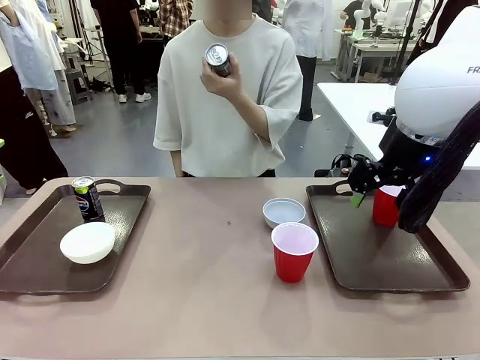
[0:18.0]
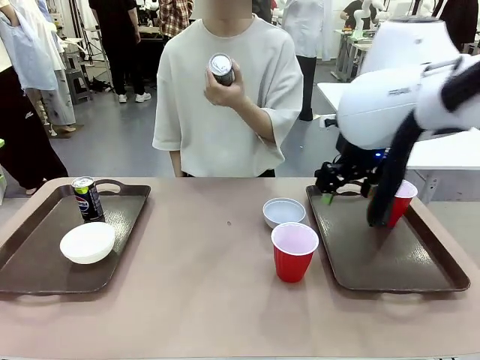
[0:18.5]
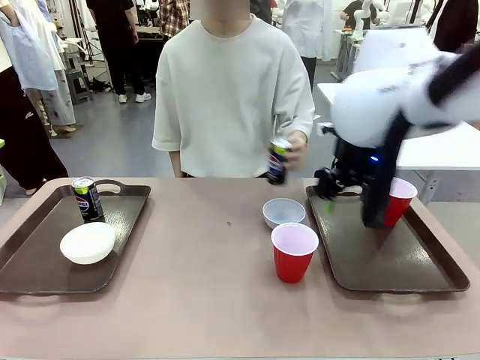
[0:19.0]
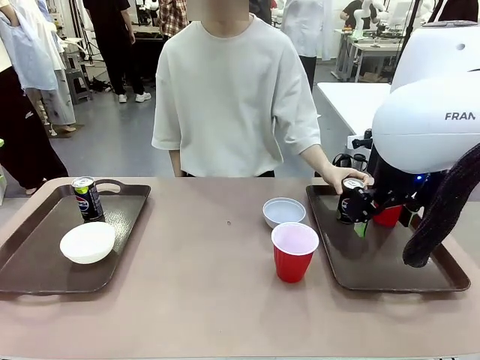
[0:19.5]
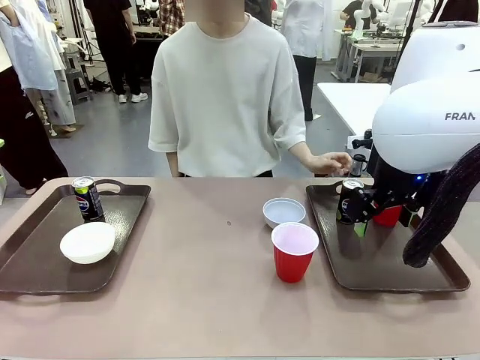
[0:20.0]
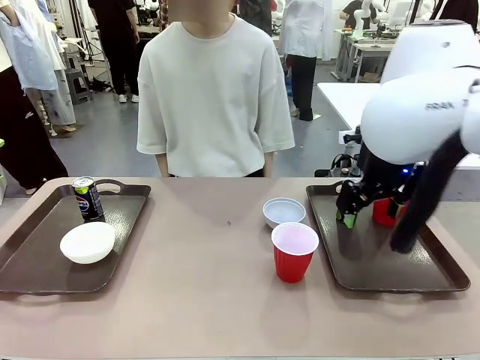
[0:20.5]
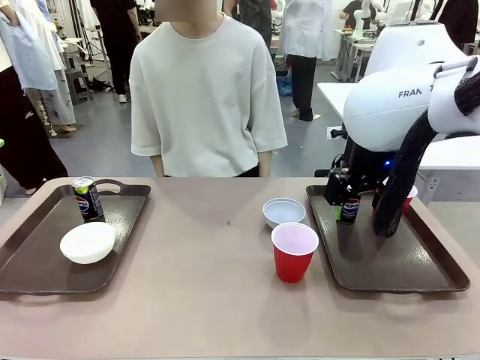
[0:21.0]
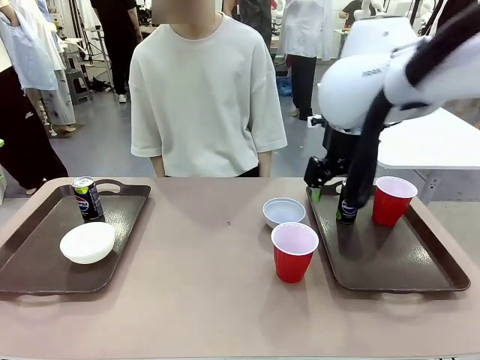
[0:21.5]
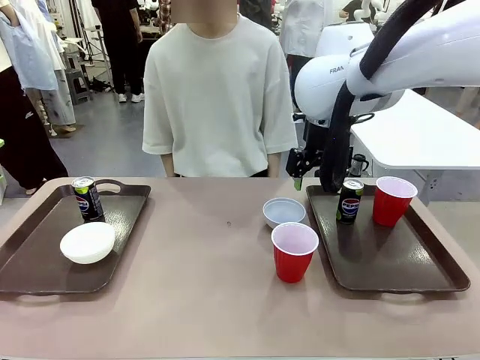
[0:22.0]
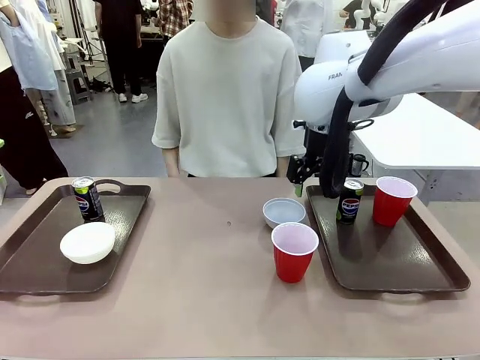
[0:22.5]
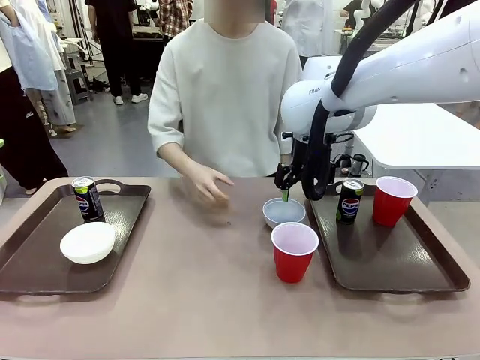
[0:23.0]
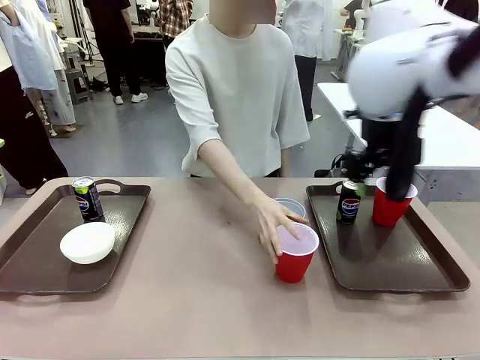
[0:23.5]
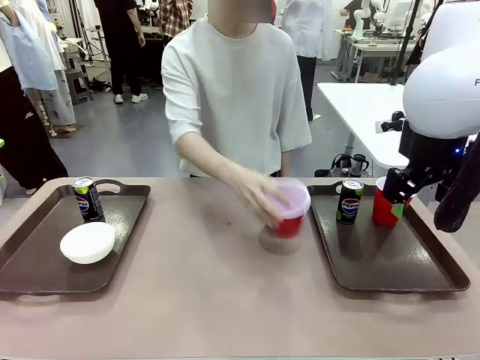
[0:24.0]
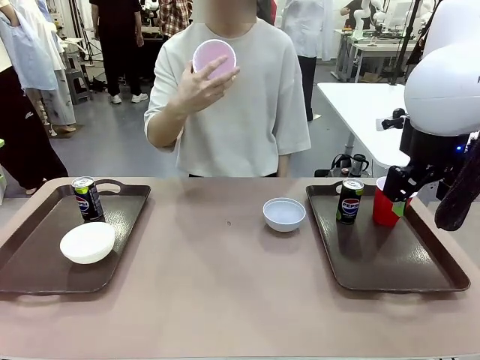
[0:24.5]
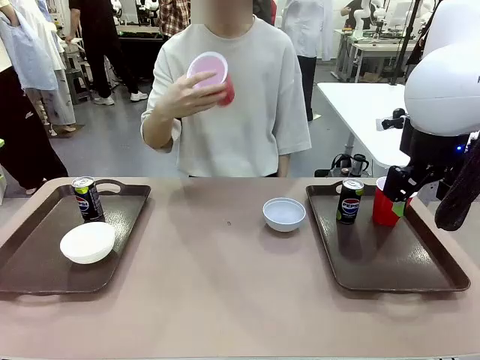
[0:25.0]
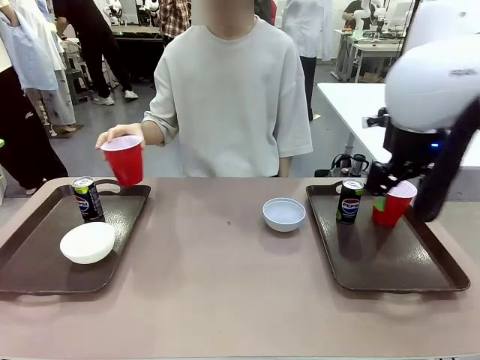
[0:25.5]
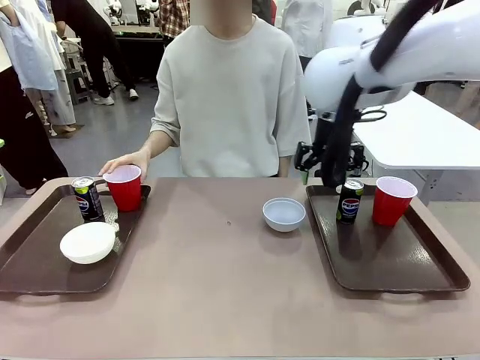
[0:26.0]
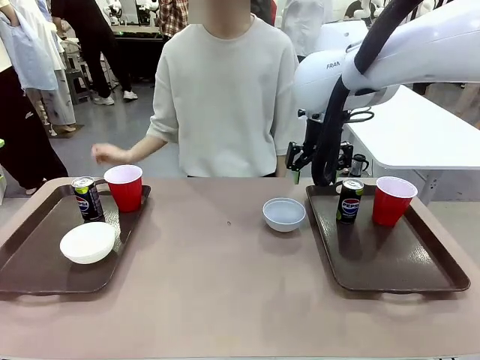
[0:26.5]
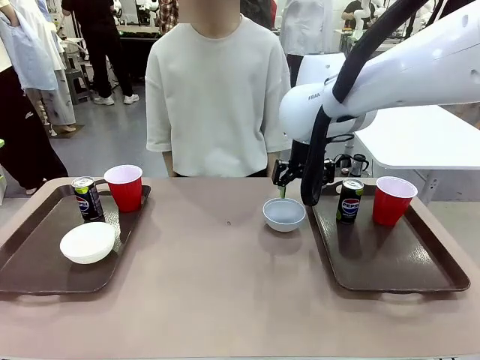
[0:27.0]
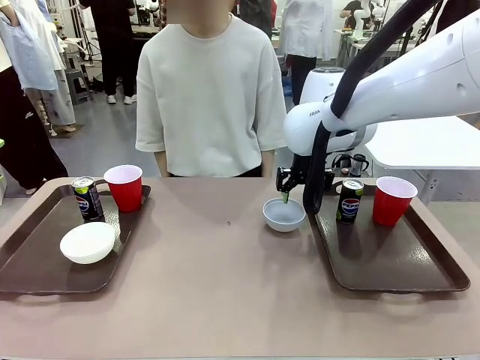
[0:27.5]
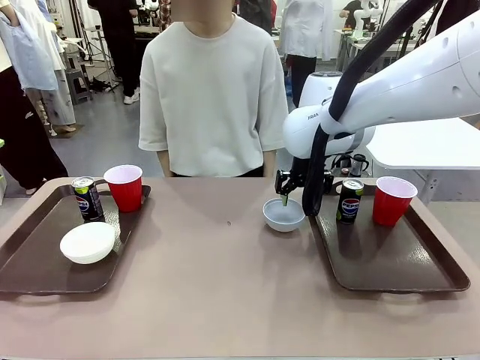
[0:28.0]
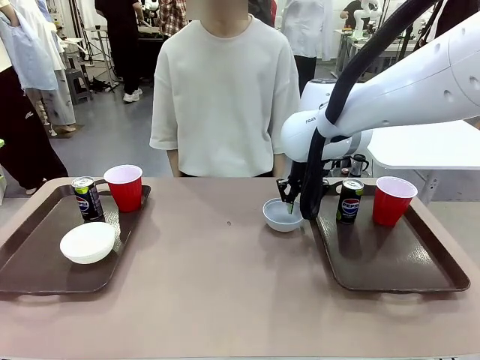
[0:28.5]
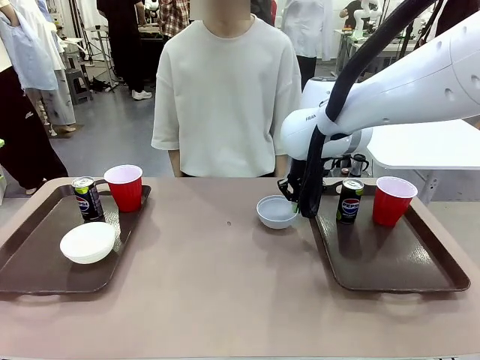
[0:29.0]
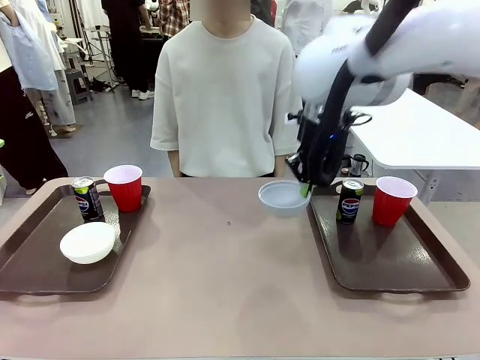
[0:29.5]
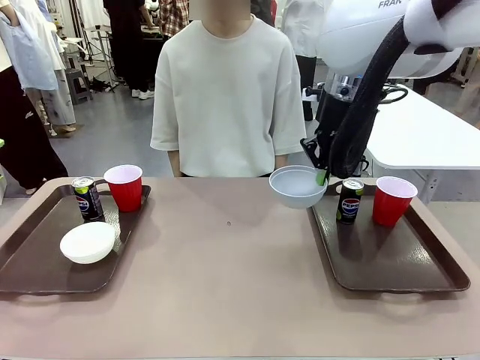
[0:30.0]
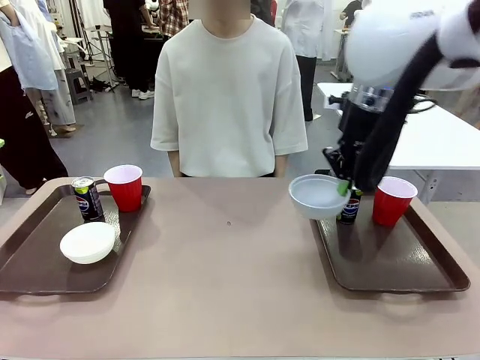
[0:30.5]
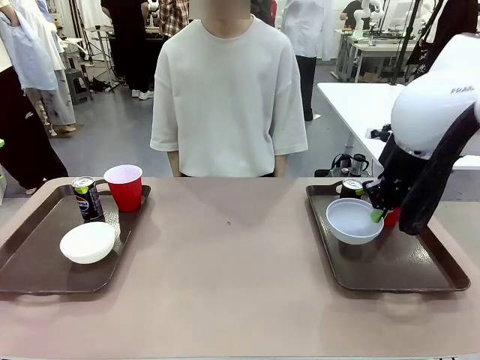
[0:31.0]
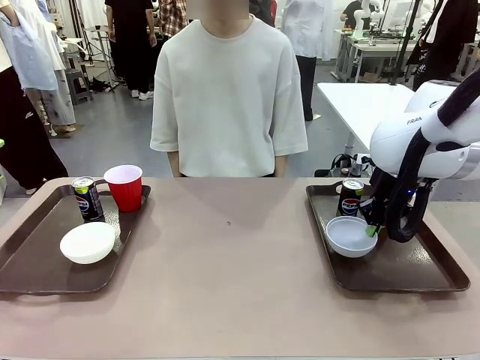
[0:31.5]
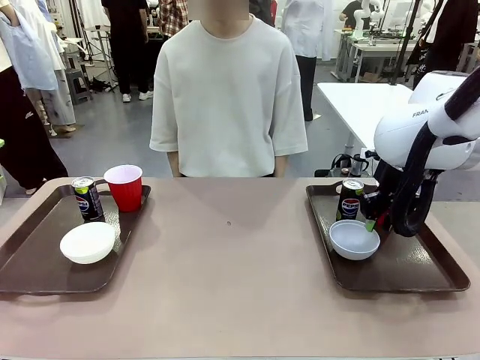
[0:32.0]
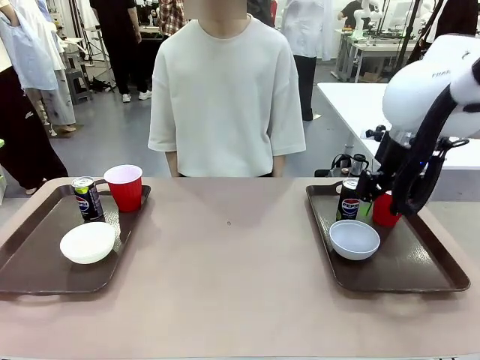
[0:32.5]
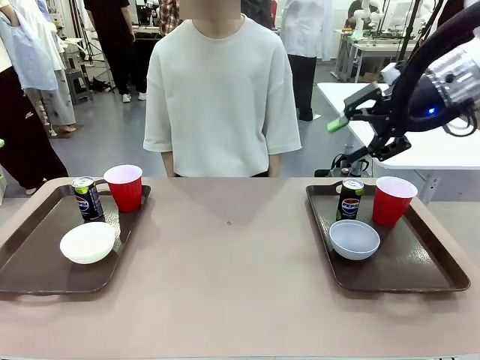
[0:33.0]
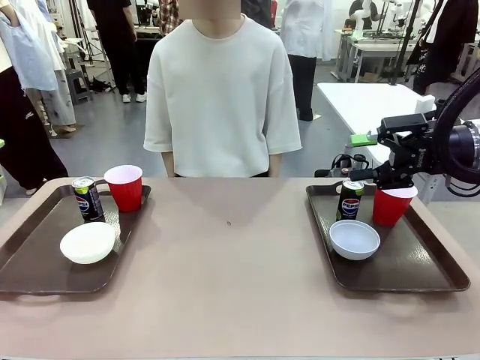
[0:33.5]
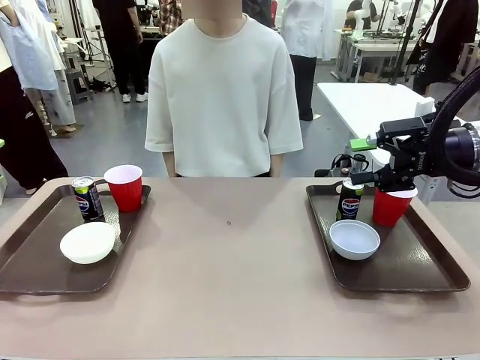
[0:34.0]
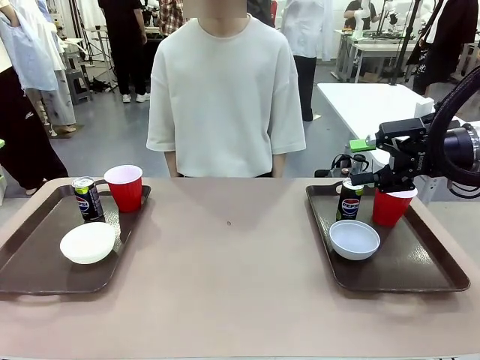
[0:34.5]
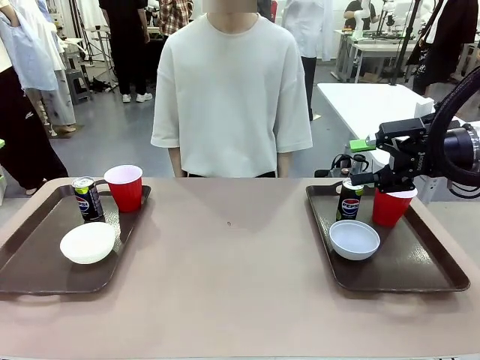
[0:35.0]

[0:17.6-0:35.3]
Task: Prepare tableware on both trays.
Robot: Pick up a Picnic Bowl from the table and place it on a Handle tray.
Person: Pick up a can or cup and place it on the tray without a can or cup.
